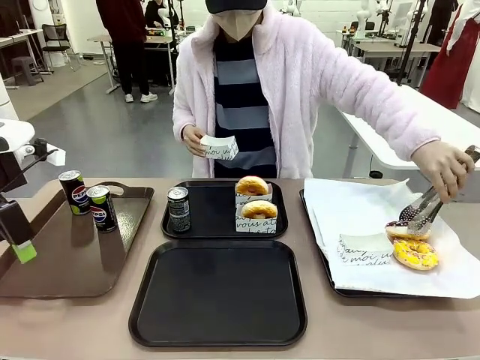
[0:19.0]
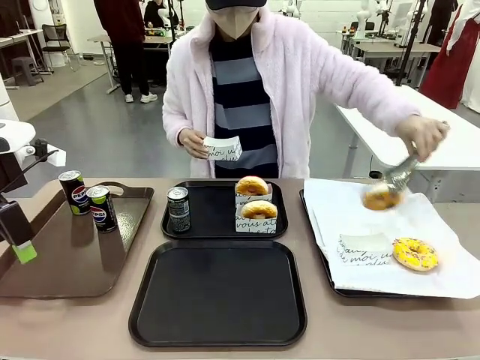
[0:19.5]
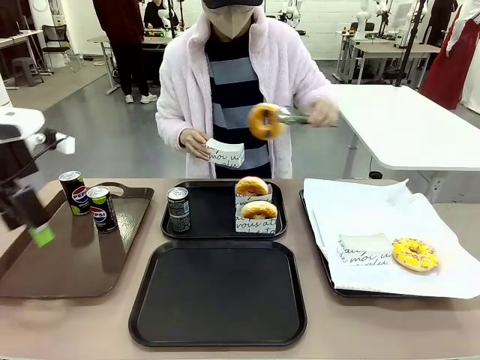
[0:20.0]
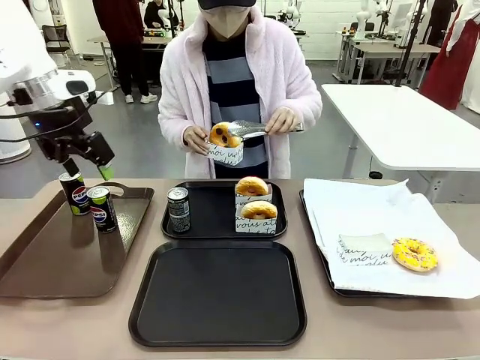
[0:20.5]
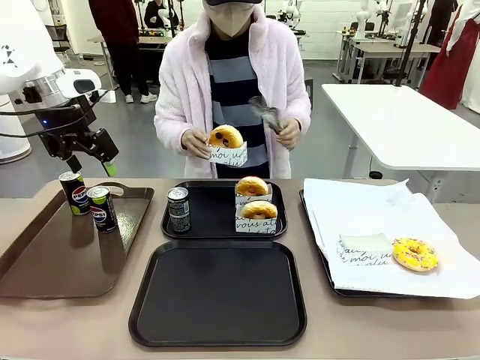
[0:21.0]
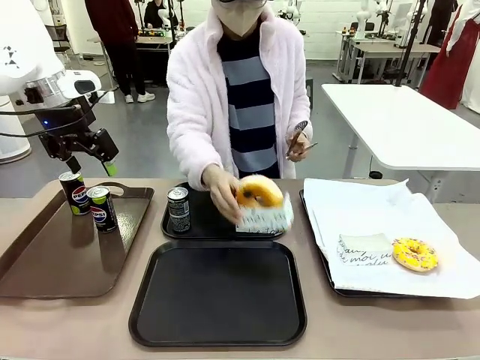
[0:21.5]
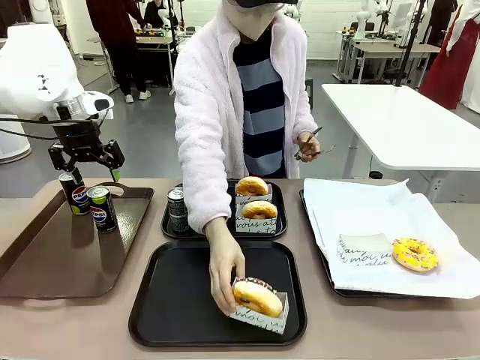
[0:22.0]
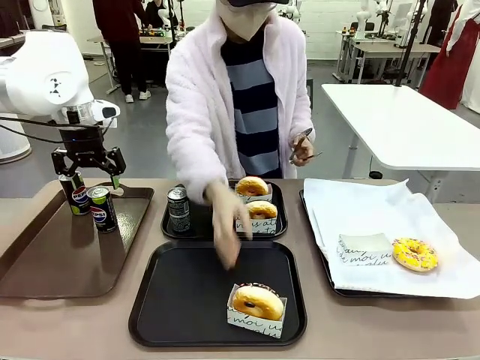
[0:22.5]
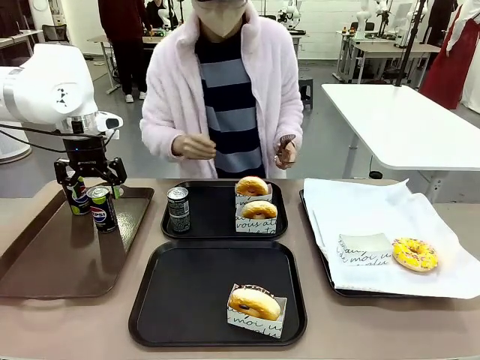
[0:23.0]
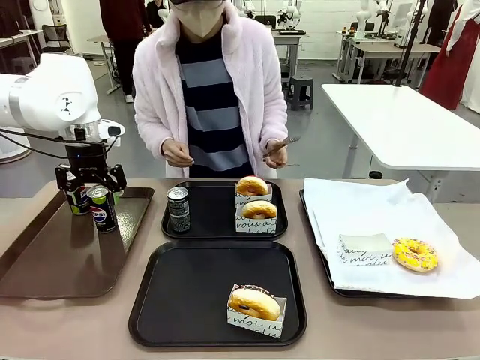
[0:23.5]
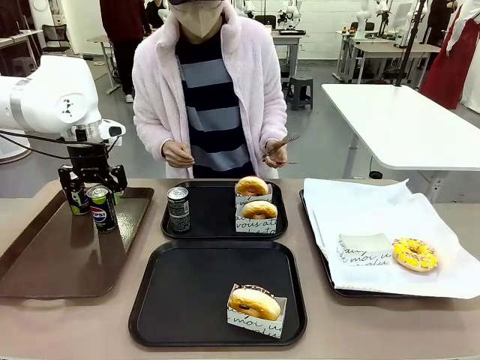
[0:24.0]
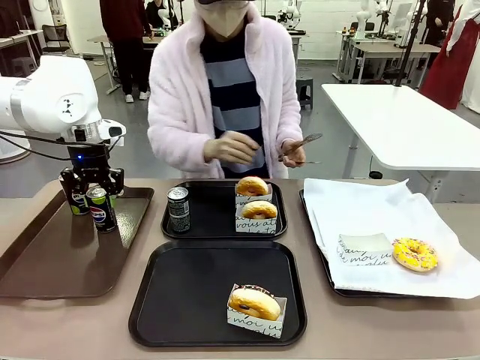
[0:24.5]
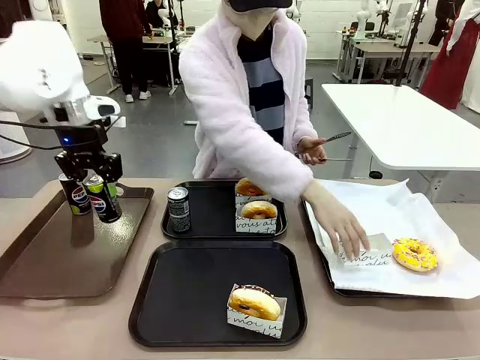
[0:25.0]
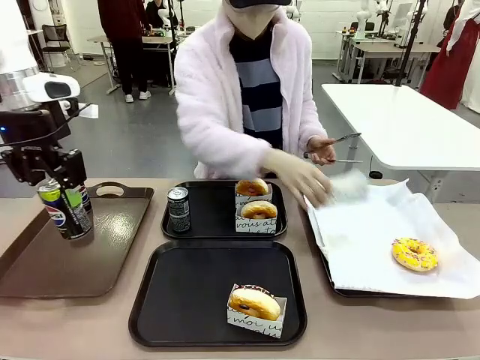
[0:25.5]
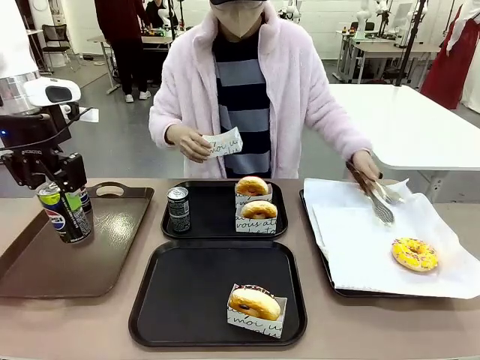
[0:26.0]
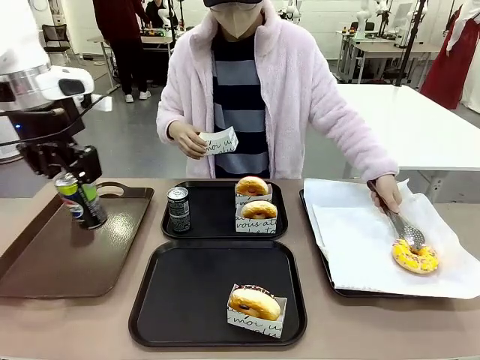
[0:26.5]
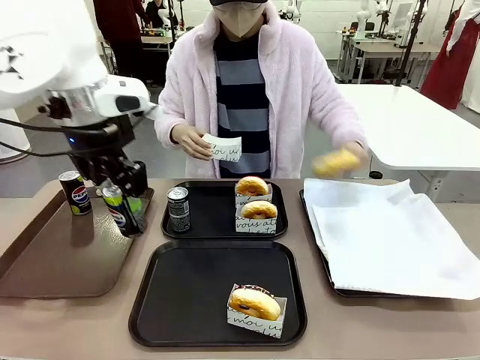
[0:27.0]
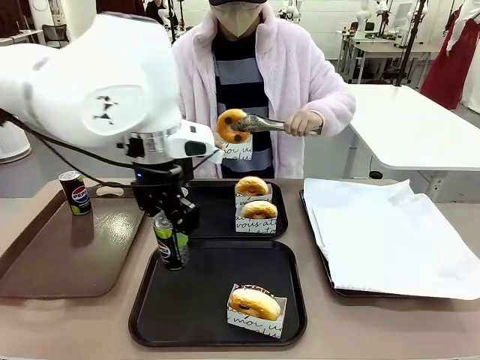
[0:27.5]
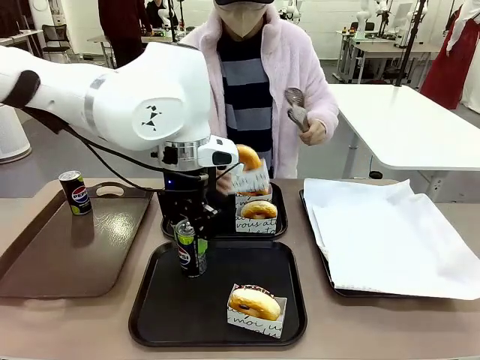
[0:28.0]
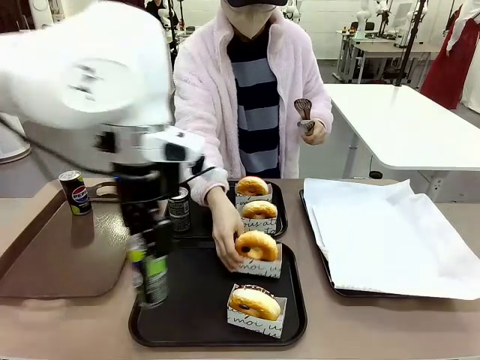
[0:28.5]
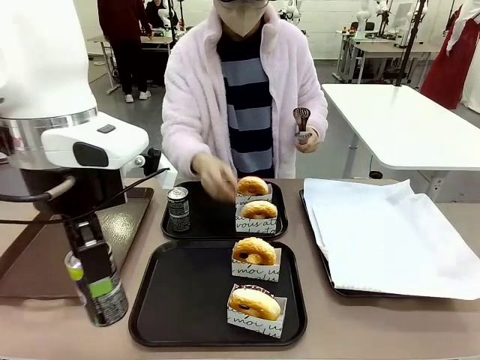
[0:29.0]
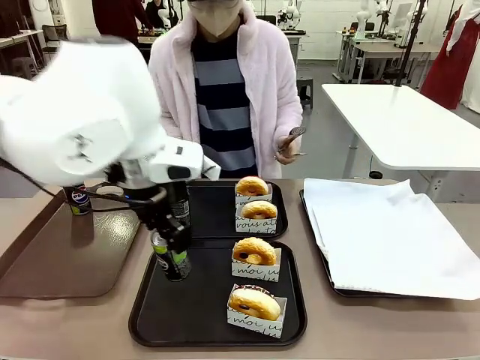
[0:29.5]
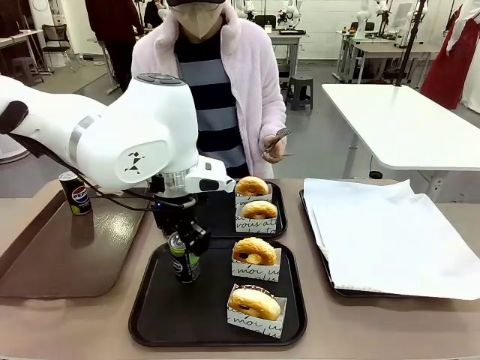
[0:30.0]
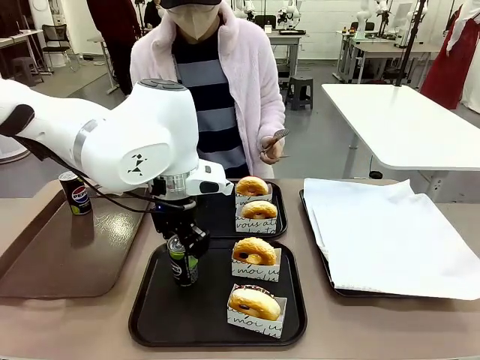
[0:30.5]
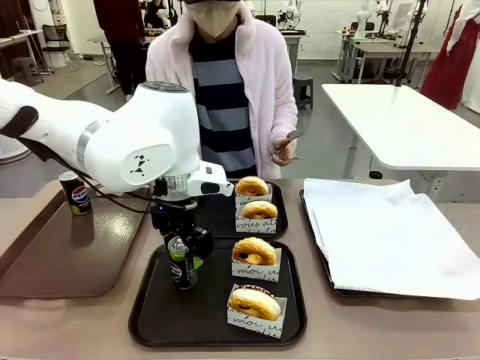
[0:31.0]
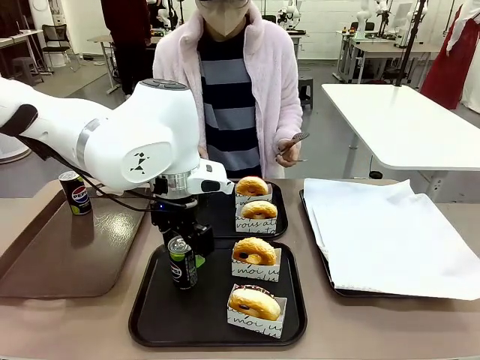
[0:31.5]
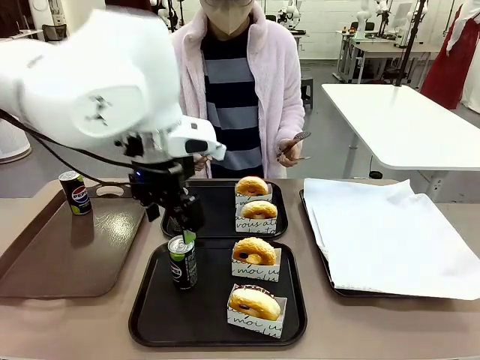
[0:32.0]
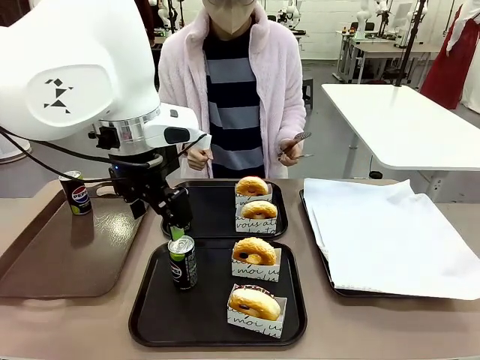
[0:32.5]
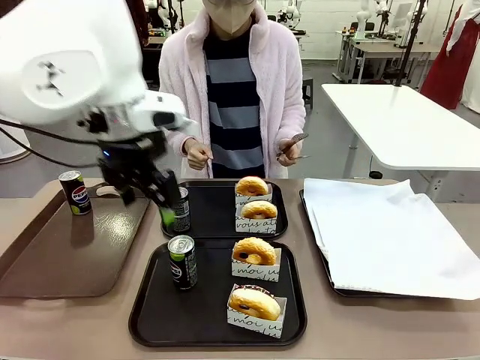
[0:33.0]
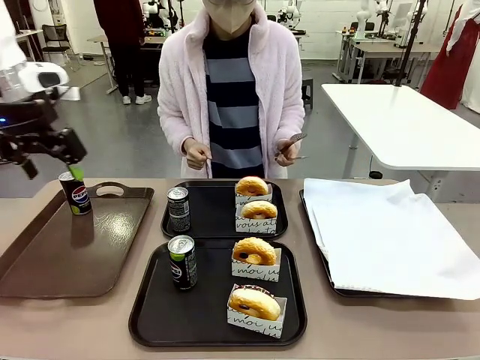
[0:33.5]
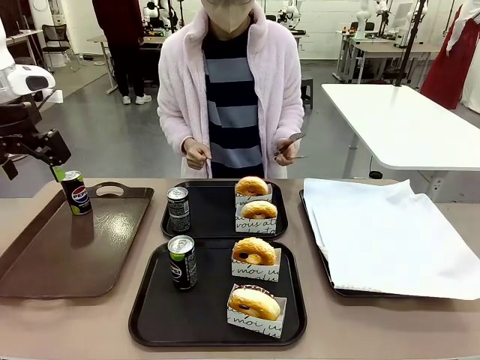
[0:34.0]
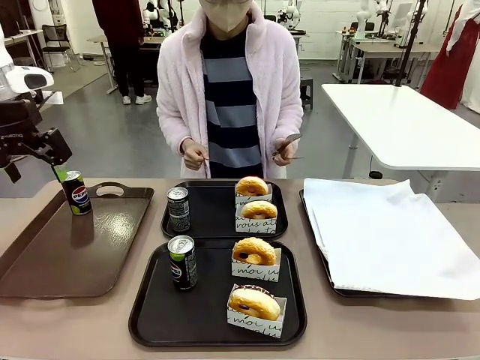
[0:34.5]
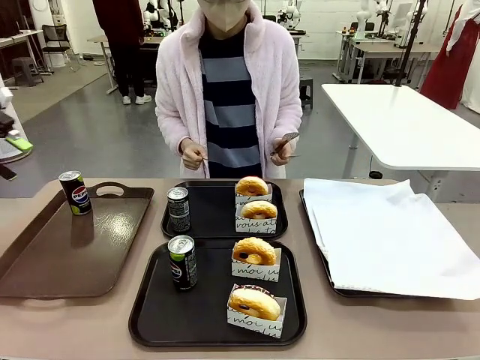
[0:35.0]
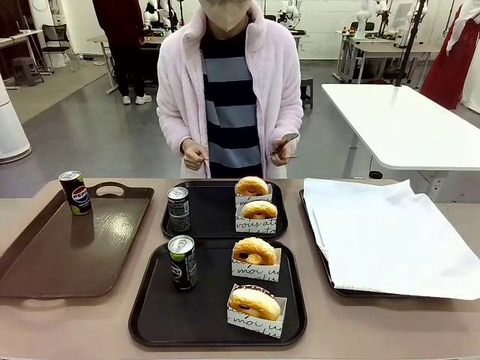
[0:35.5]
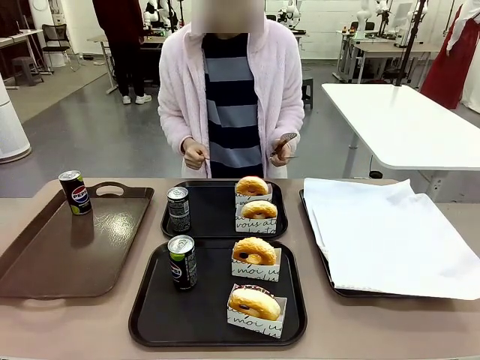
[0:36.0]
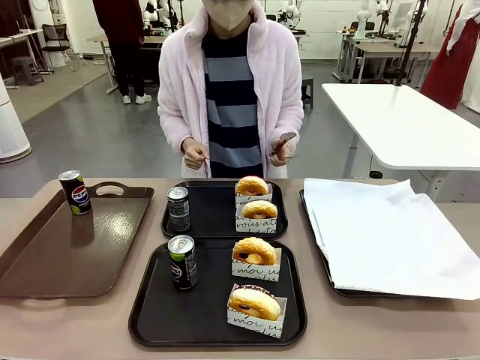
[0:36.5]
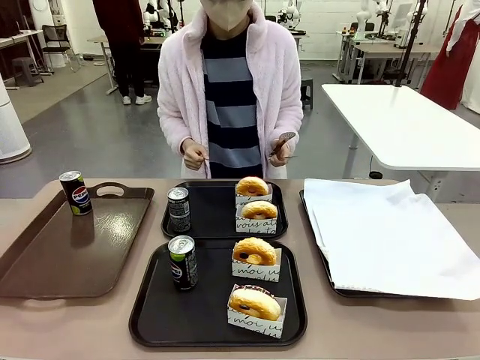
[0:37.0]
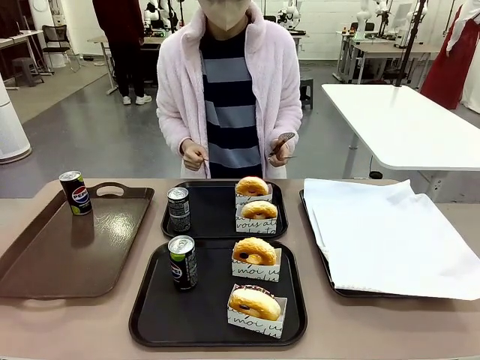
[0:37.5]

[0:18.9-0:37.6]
Task: Set up donuts and drinks on trays.
Robot: Pick up one Pepsi coke from the Handle tray and place it on the Flat Tray without a Pepsi coke.

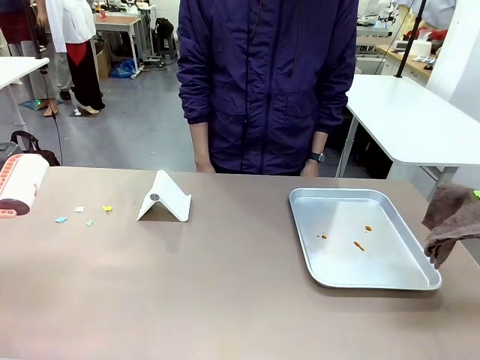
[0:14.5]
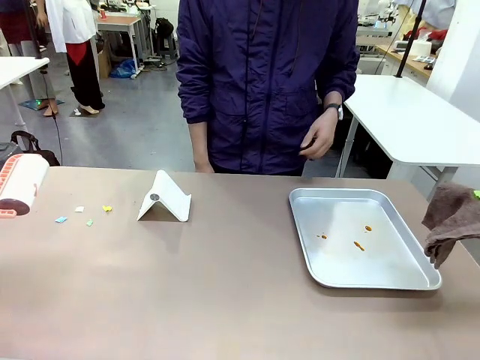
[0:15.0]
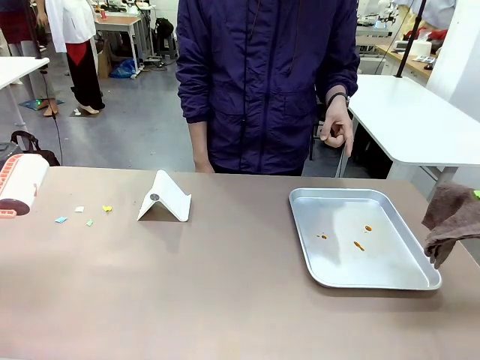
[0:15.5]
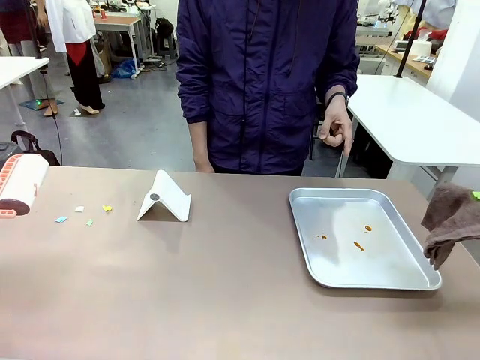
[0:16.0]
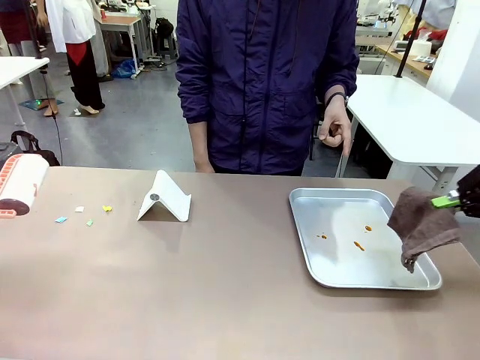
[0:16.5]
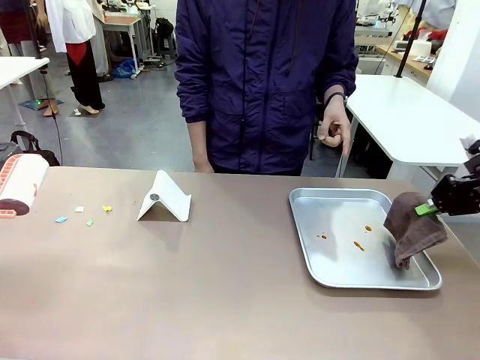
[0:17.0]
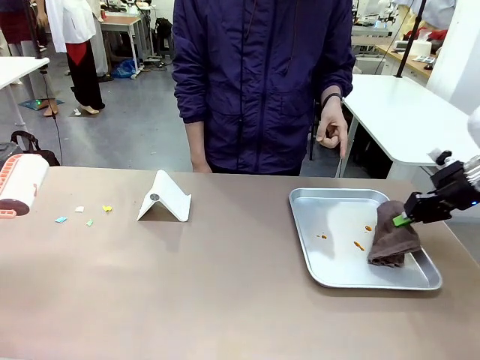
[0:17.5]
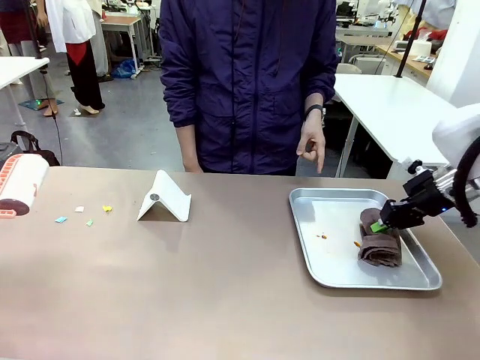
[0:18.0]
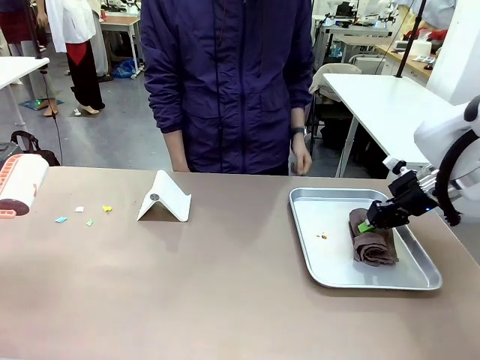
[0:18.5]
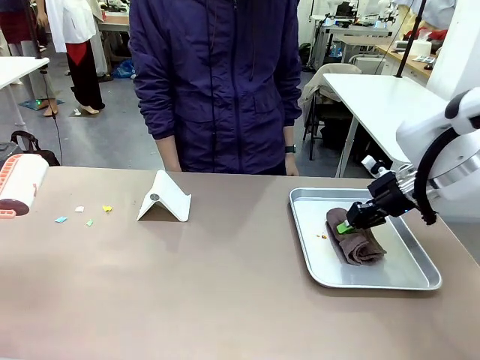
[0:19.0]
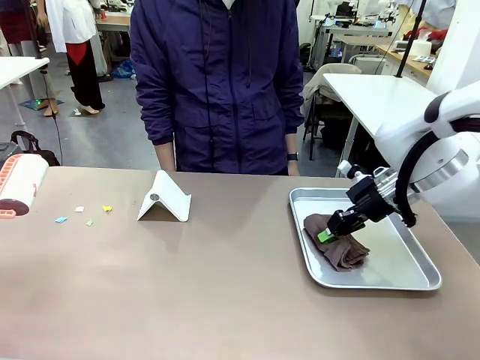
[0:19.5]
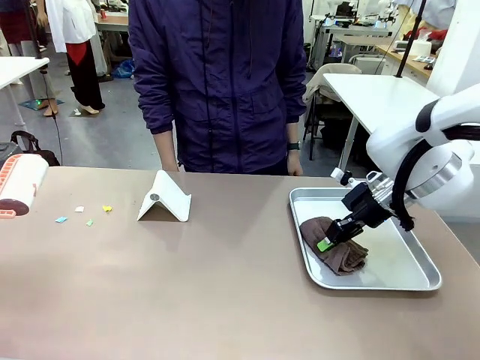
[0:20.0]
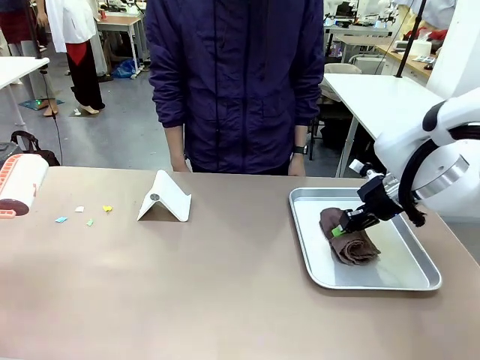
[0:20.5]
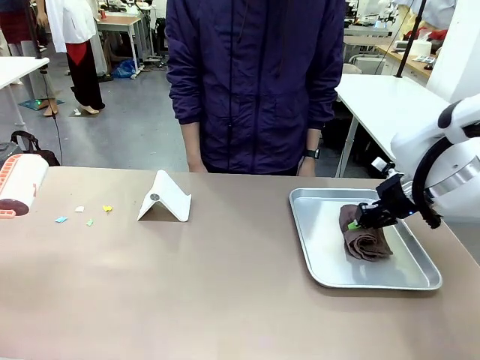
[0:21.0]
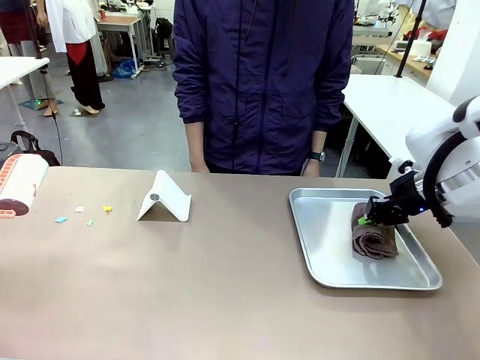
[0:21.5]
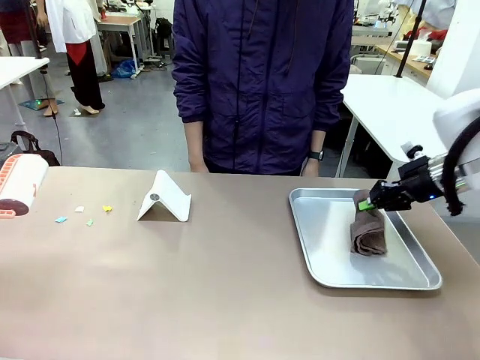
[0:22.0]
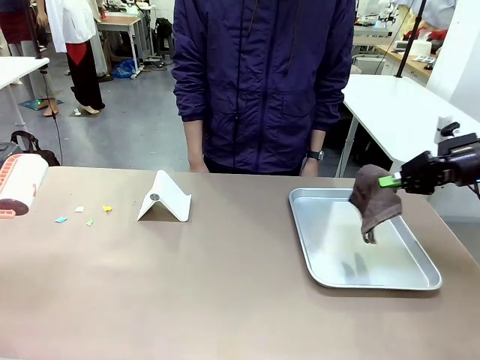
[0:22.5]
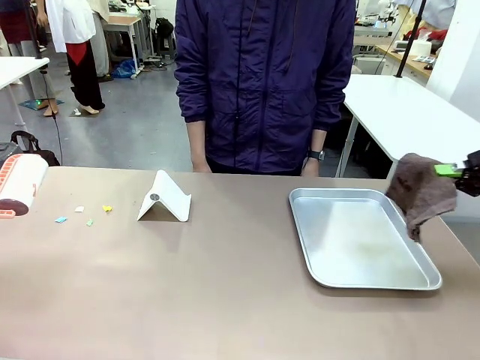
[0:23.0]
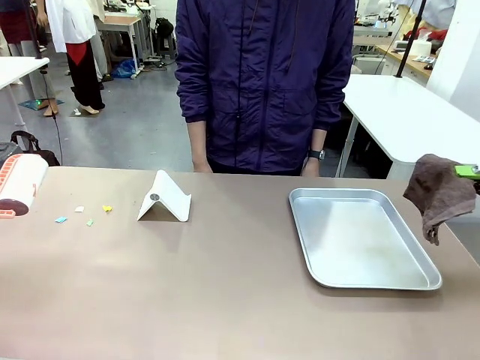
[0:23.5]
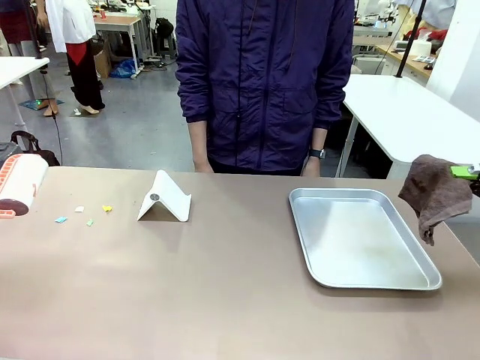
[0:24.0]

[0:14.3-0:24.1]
Task: Clean the surface of the table.
Robot: If a person points to the right, clean the right side of the table with your right hand, and if they point to the left, clean the left side with your left hand.
